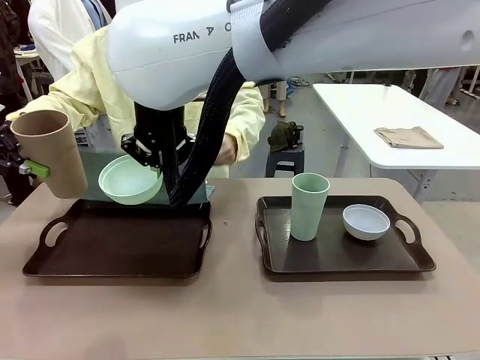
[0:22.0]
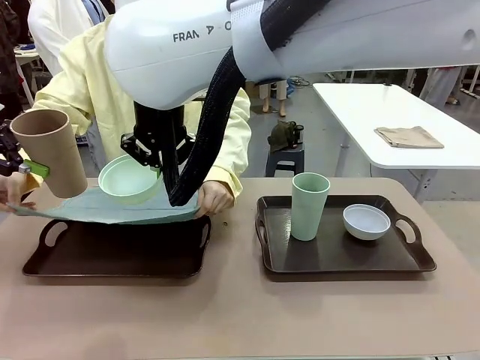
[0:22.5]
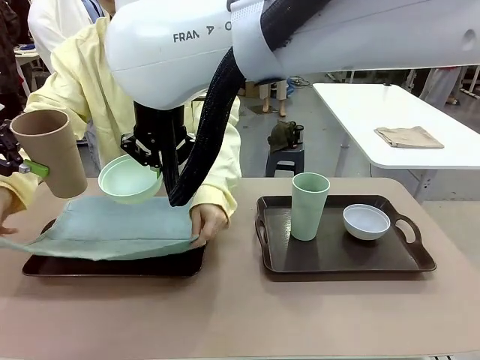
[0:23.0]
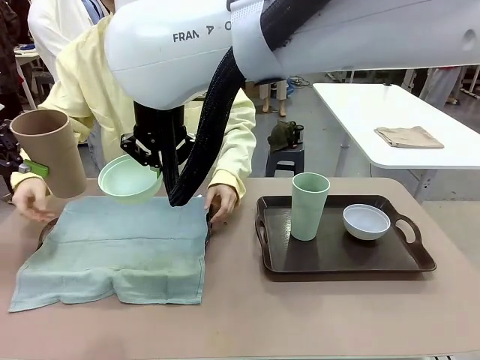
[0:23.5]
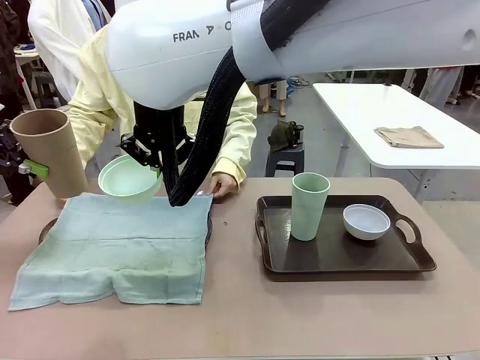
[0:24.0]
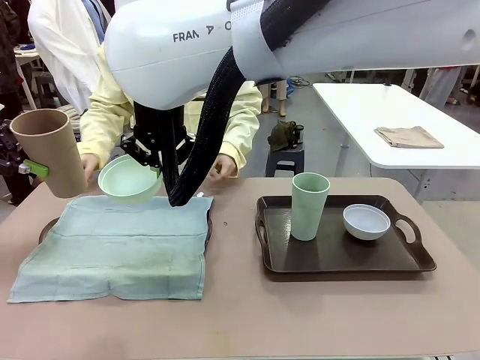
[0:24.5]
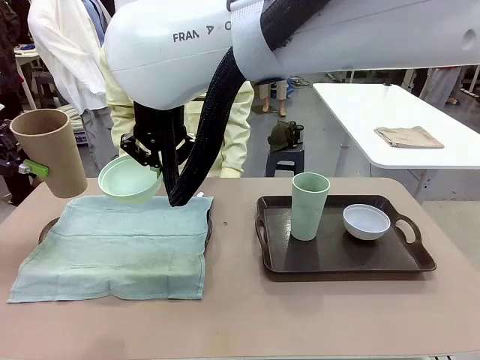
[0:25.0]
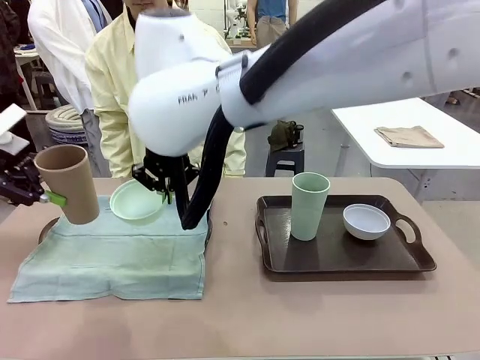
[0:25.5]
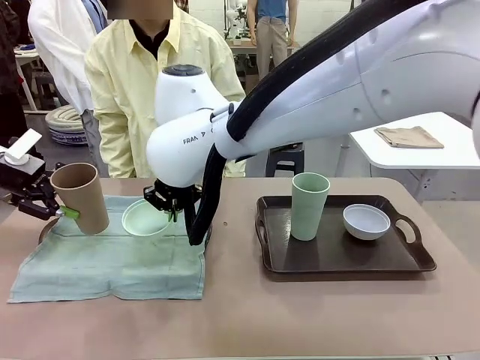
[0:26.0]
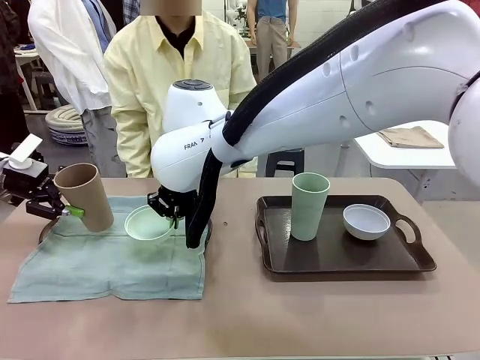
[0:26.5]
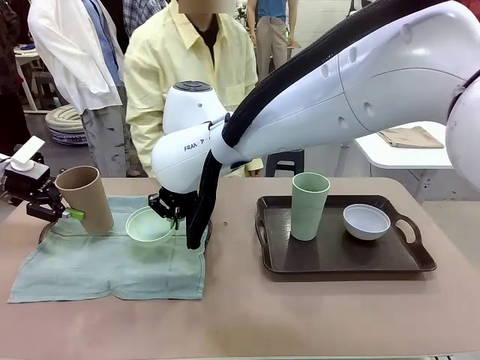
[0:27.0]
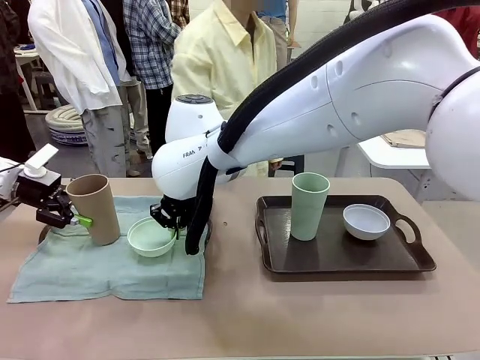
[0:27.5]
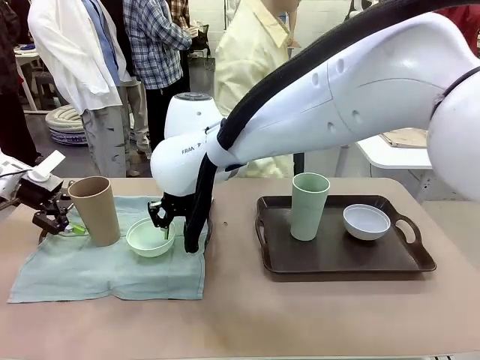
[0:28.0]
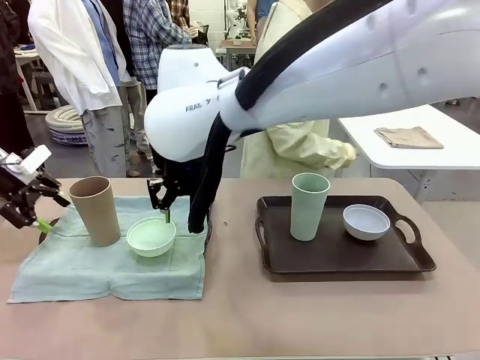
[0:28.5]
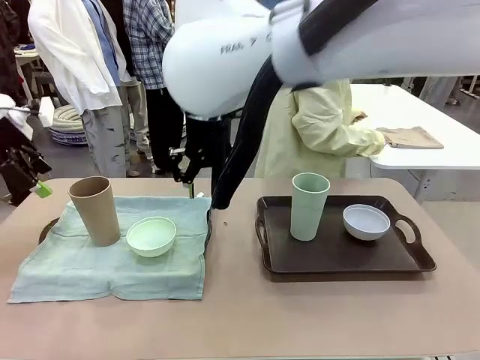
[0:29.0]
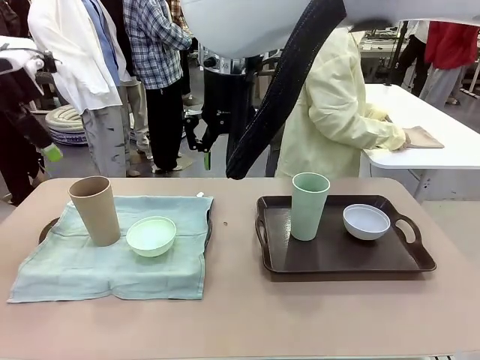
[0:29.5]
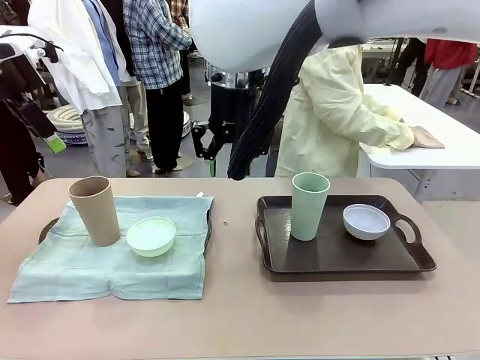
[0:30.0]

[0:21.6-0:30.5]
Robot: Place the Picnic Bowl and Reusable plastic cup back onto the Handle tray in front of the human's position.
Person: The human returns to the human table to pick up another napkin and walks to the robot table to stand in front of the tray without a napkin.

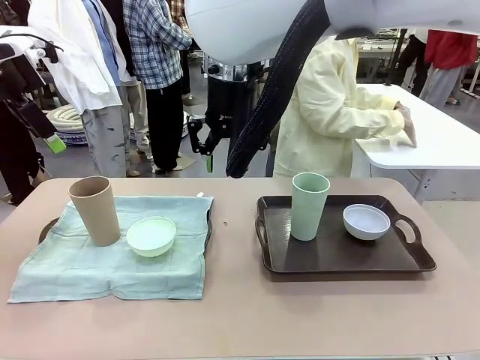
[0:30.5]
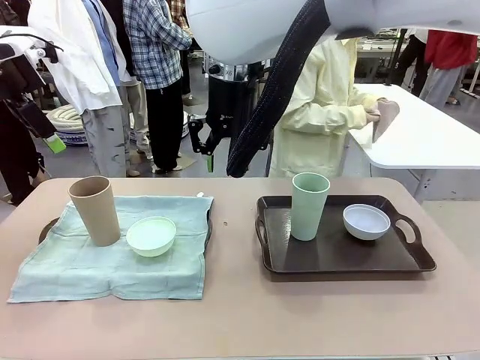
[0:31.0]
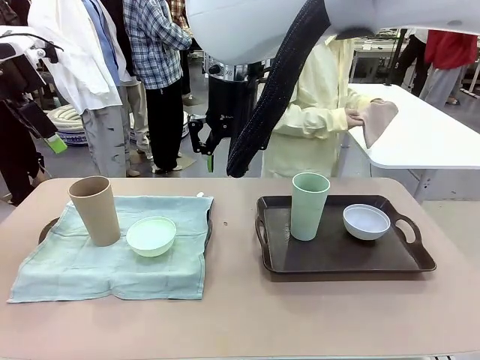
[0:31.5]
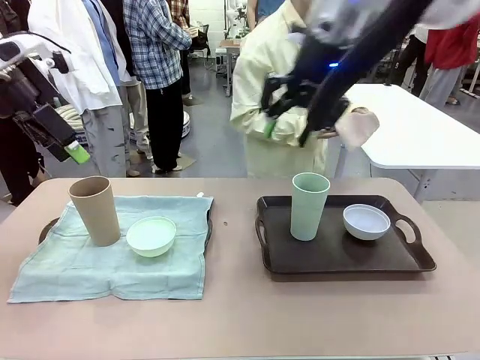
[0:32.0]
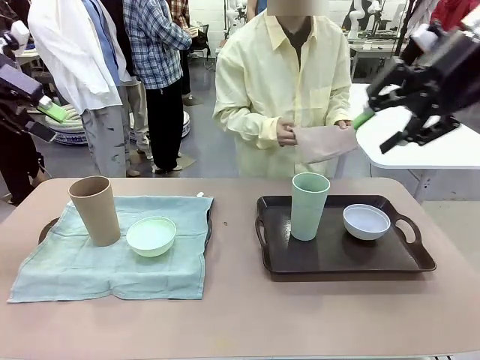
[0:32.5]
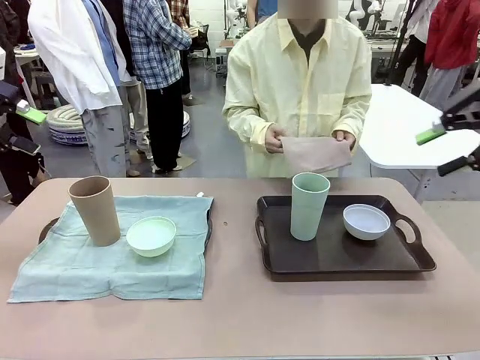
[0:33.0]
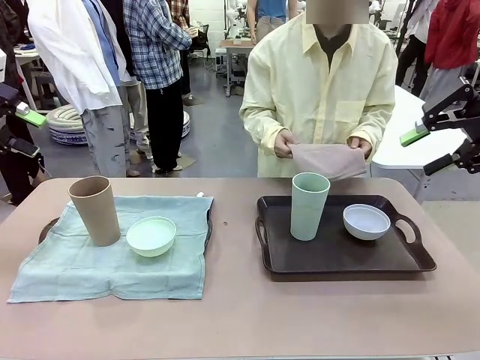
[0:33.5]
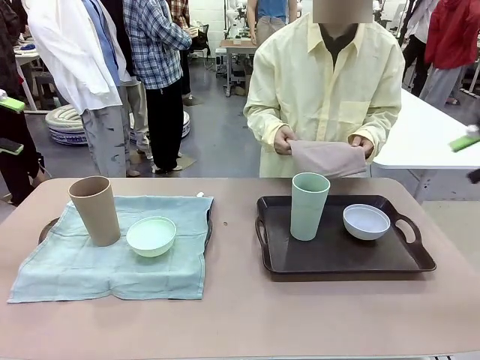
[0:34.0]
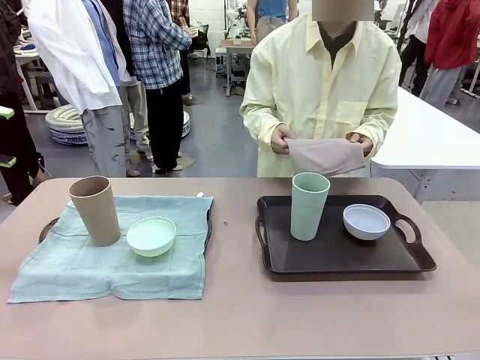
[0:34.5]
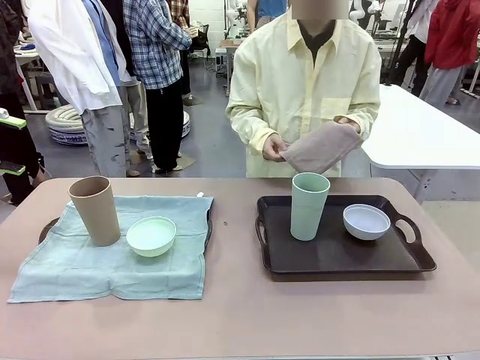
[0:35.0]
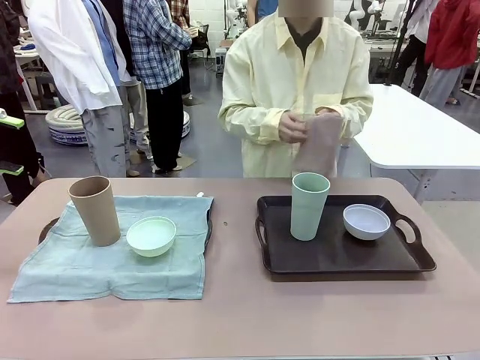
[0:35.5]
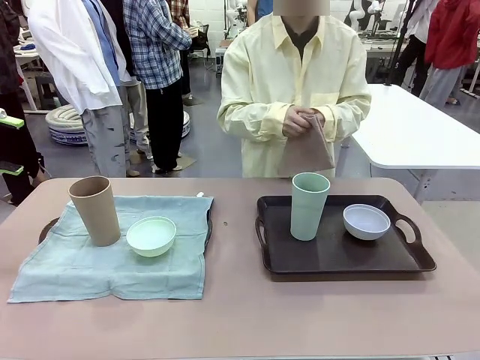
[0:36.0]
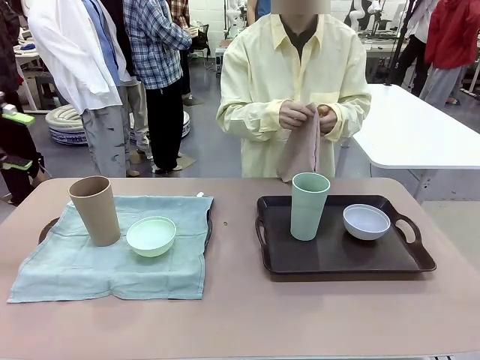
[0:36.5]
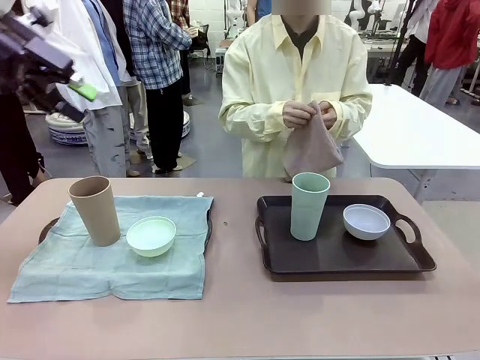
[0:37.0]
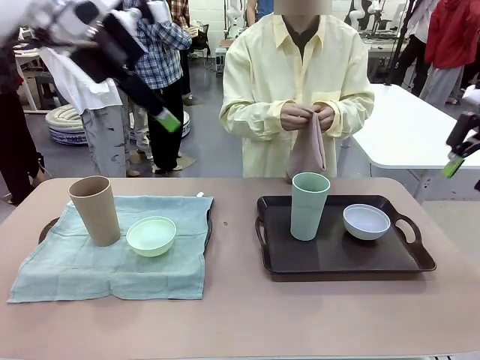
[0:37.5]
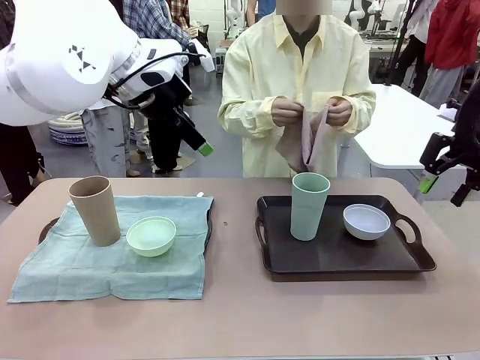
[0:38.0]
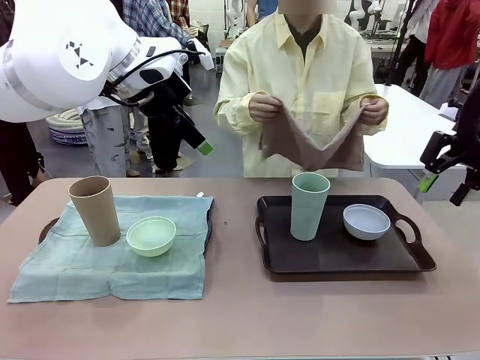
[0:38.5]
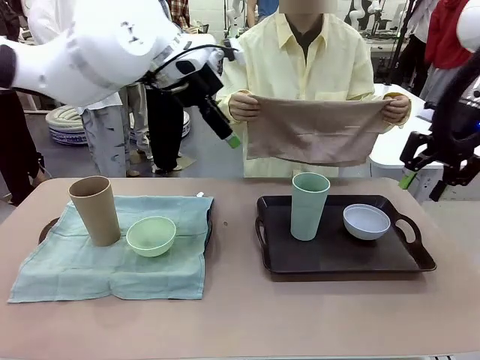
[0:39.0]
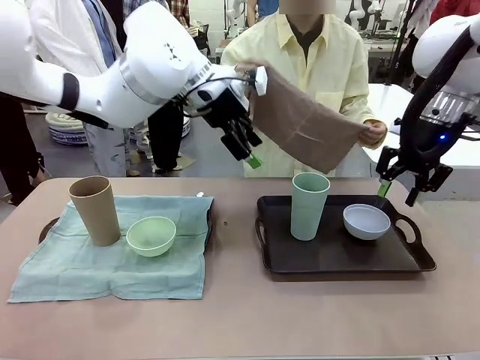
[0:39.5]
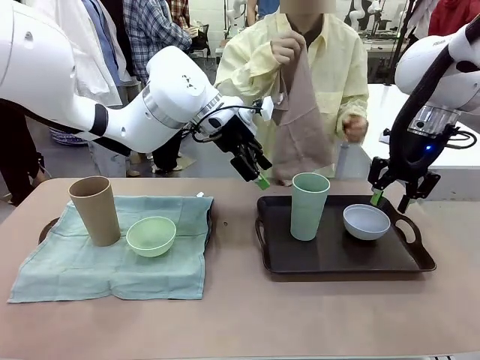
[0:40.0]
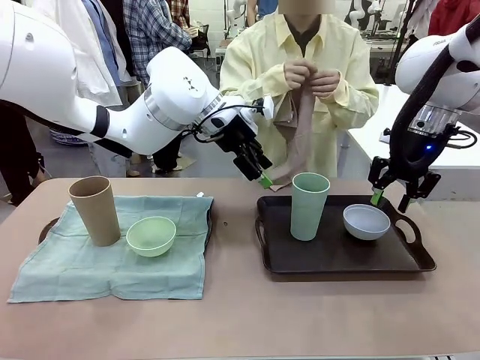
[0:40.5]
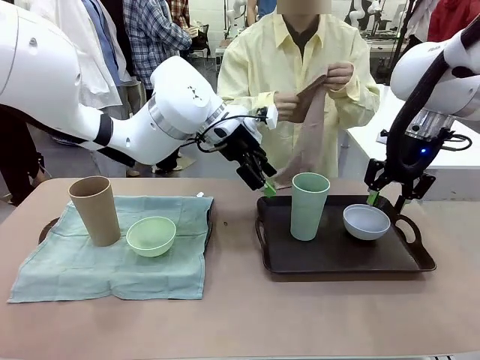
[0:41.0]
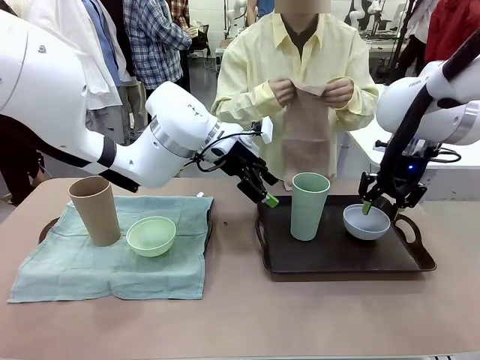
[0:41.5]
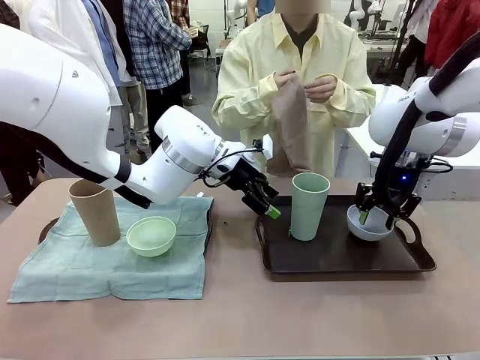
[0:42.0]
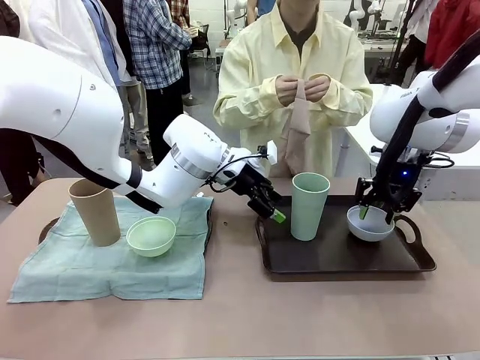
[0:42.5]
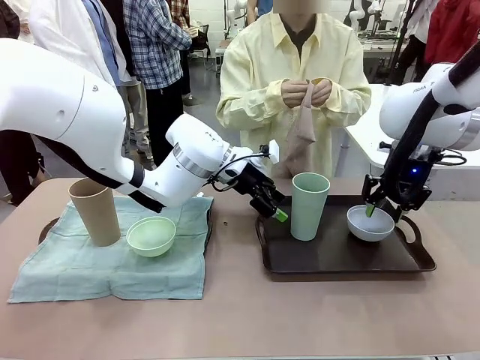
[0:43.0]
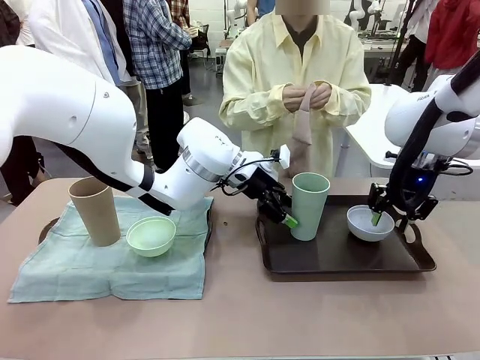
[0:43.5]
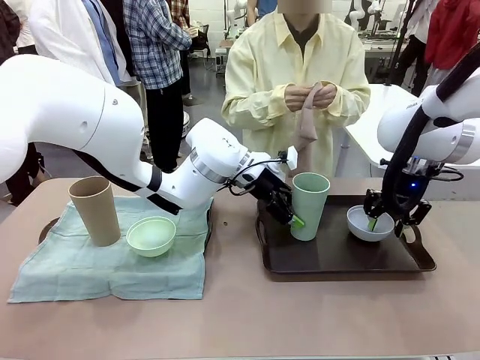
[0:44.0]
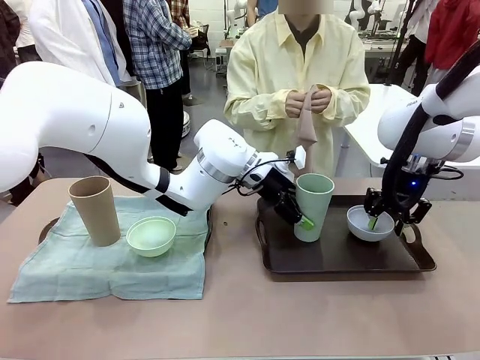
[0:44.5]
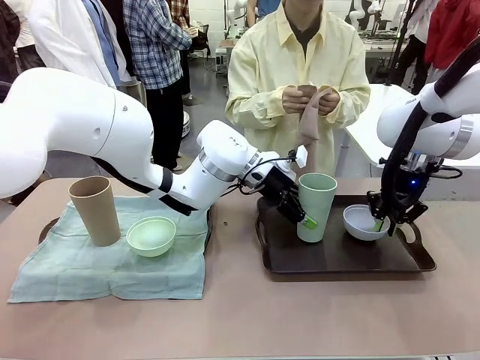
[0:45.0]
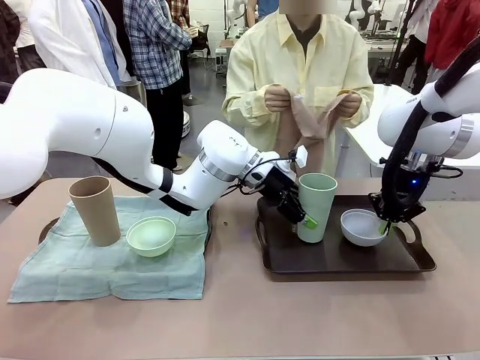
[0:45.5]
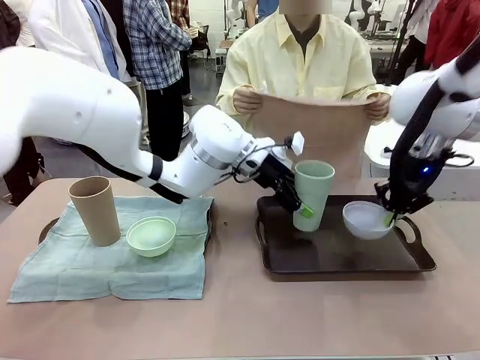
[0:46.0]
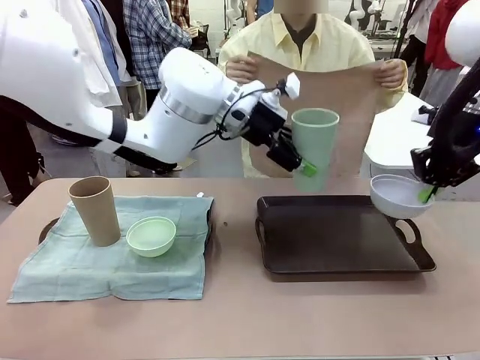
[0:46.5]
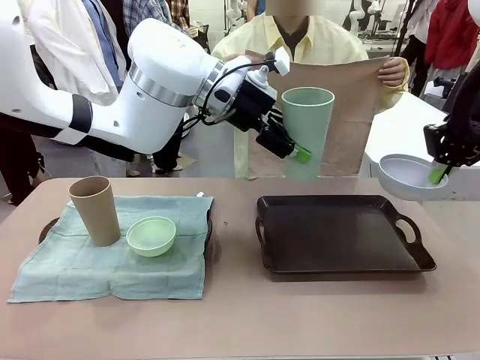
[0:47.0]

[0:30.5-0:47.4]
Robot: Pick up the Picnic Bowl and Reusable plastic cup from the Handle tray in front of the human's position and hold them in the air.
